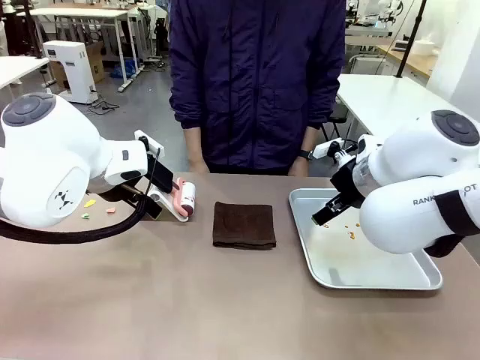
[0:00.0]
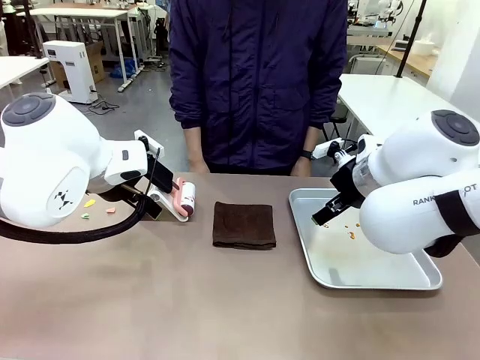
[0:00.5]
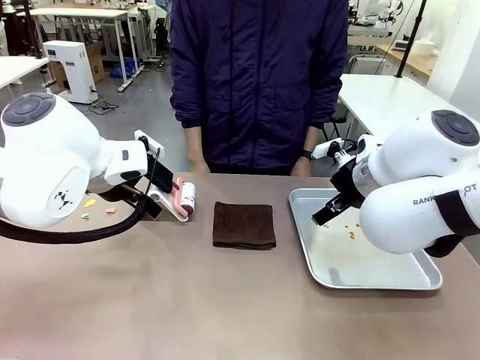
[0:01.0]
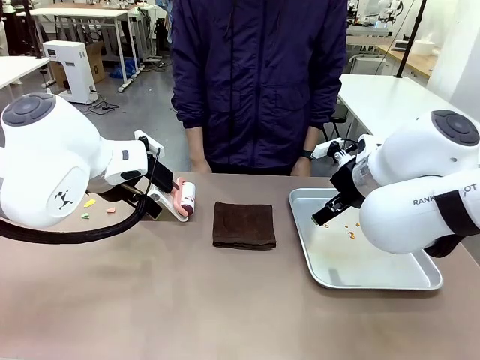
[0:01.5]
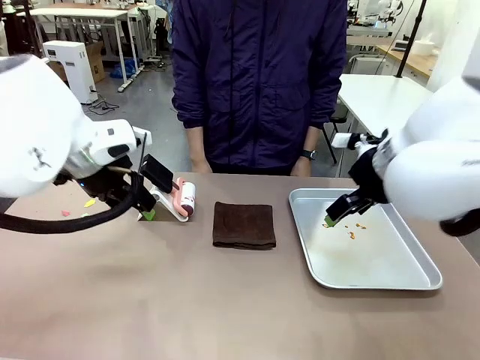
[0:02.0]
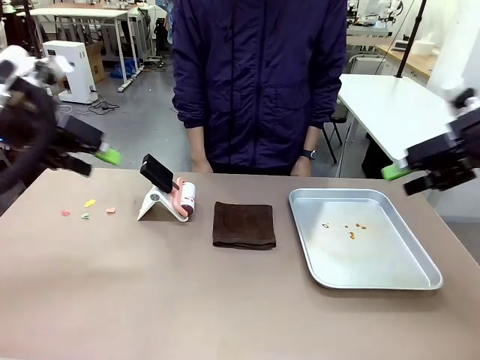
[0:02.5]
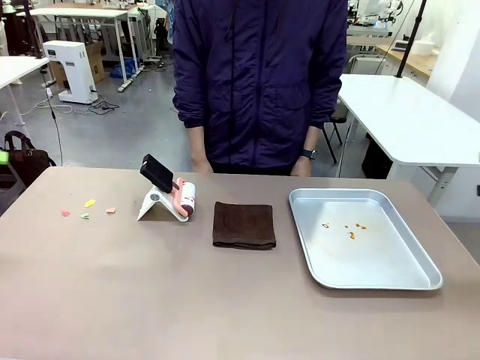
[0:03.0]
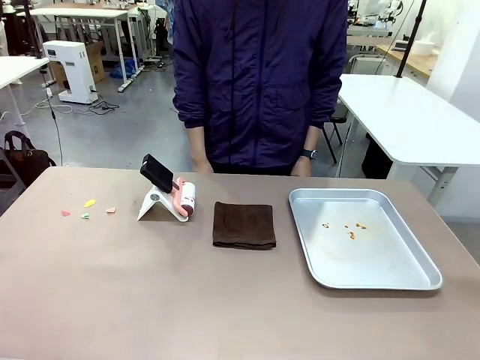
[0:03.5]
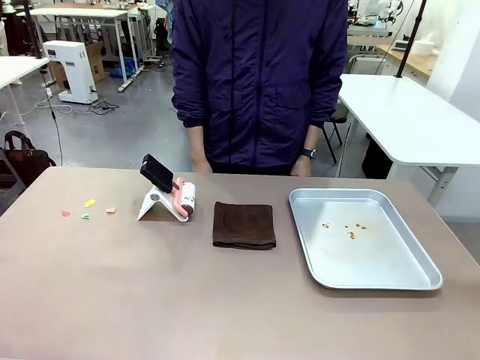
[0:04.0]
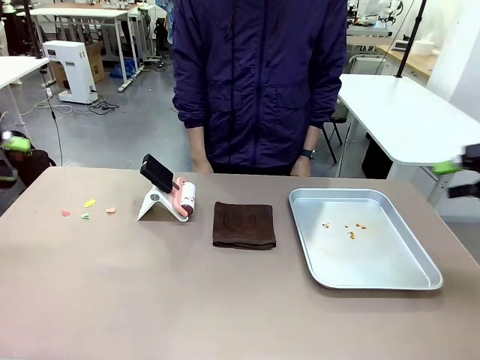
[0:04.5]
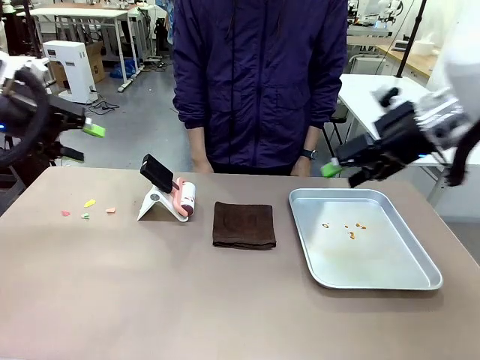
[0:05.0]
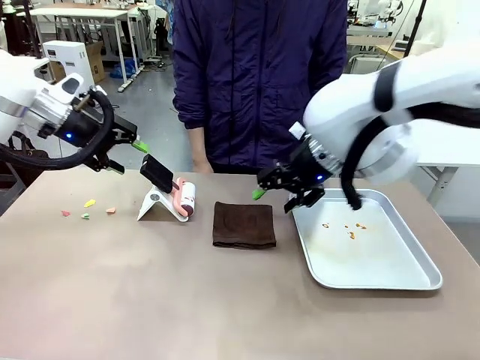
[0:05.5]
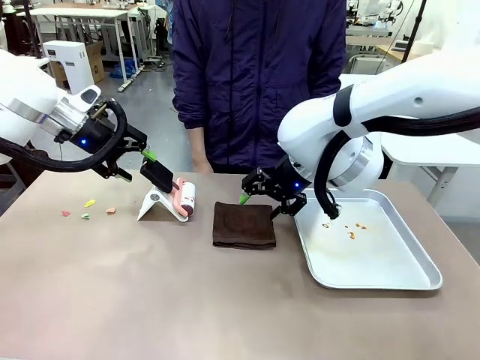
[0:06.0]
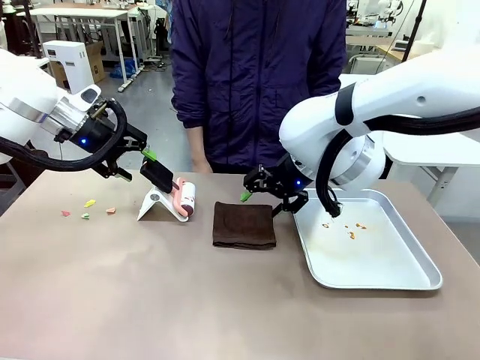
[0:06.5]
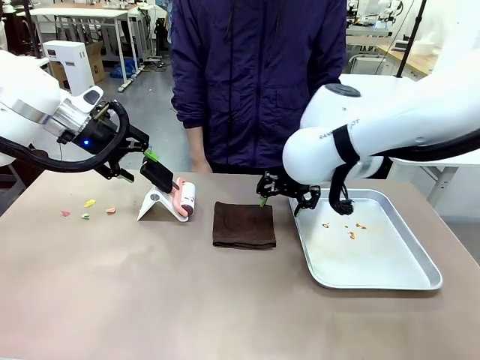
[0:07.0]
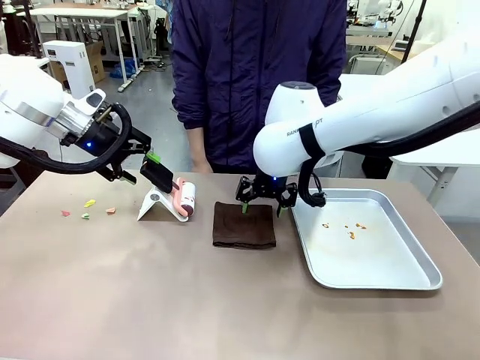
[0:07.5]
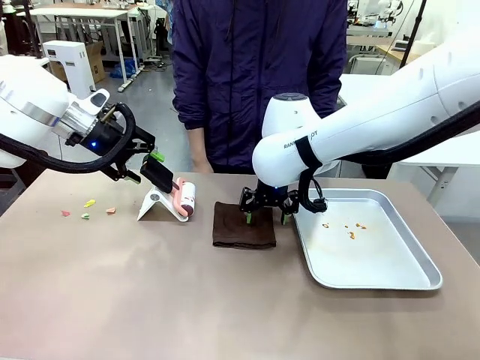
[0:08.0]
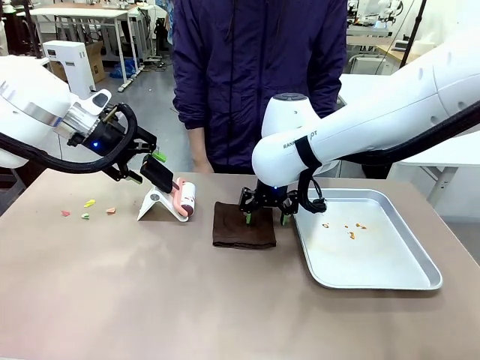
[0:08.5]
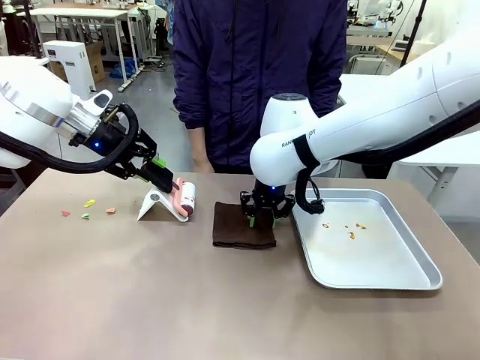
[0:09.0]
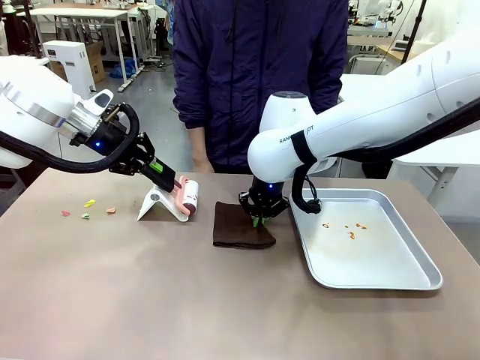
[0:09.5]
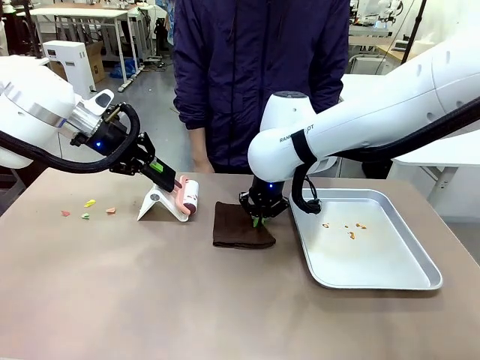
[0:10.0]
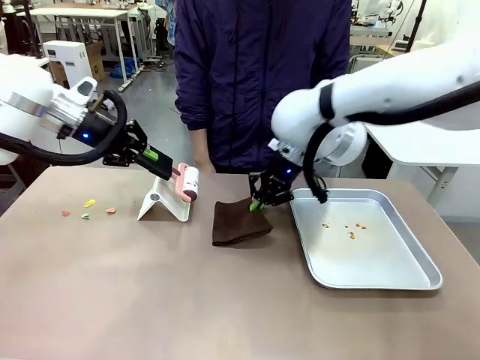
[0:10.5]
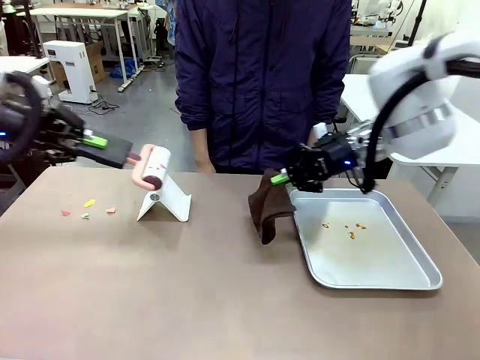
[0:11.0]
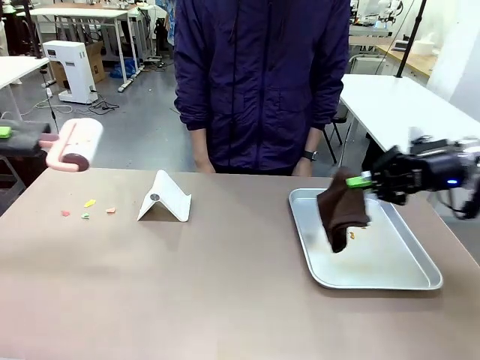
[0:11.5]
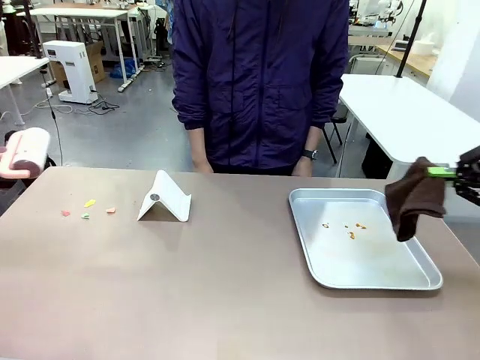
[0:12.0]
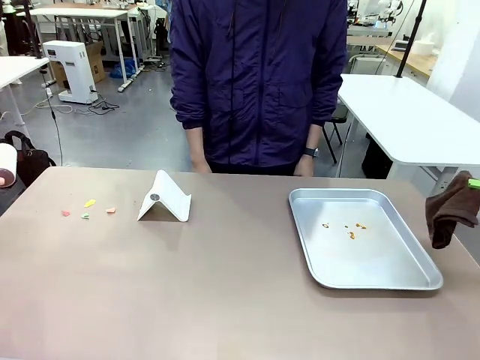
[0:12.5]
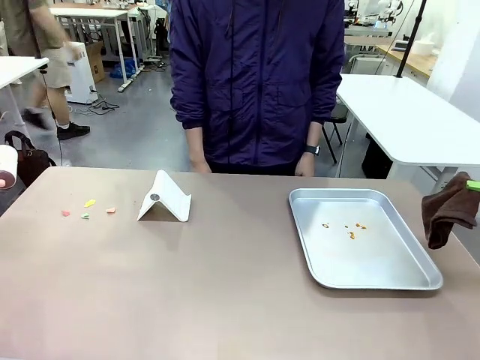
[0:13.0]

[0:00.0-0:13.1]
Task: Clean the surface of the table.
Robot: Hold the Lint Roller with your left hand and the towel with your right hand.

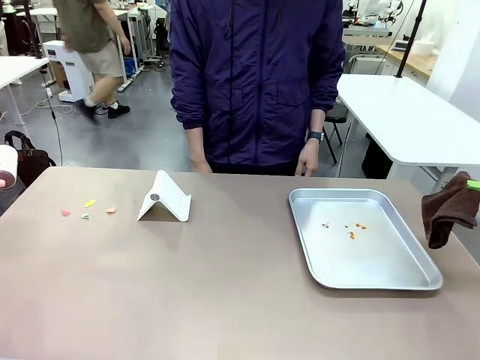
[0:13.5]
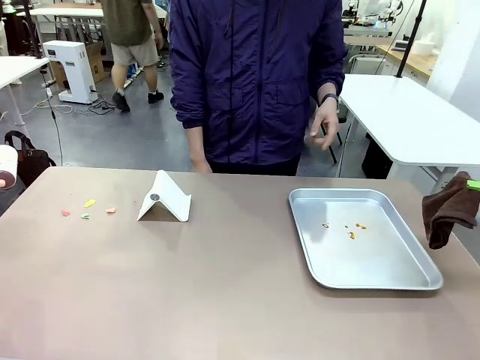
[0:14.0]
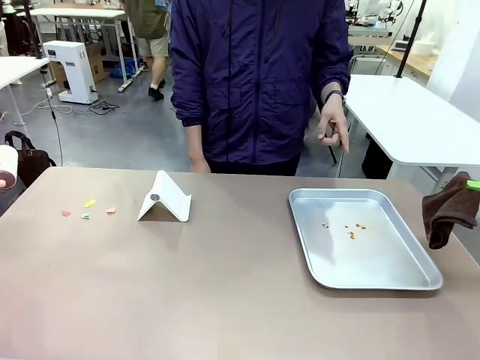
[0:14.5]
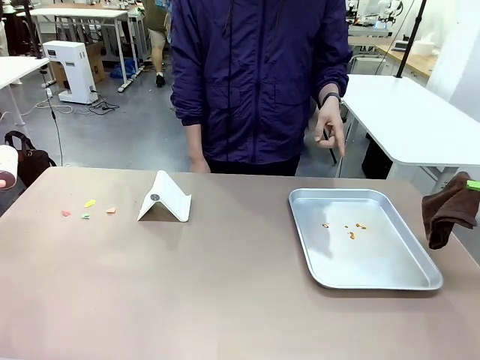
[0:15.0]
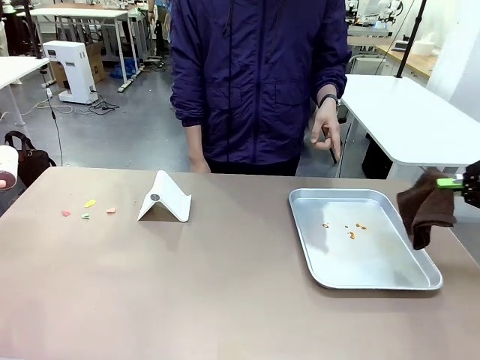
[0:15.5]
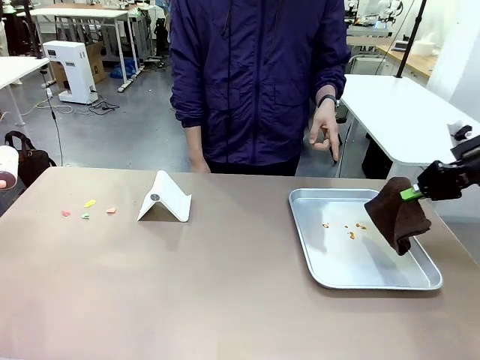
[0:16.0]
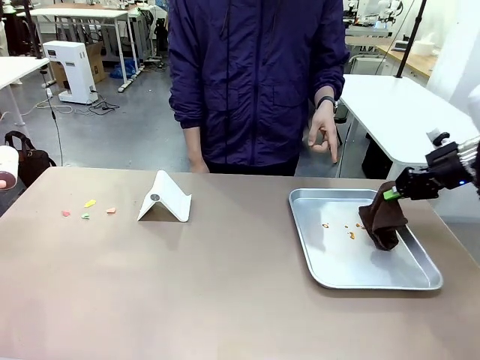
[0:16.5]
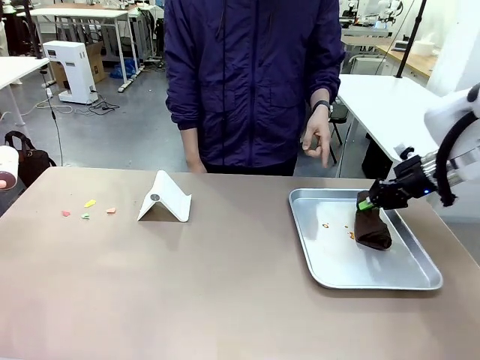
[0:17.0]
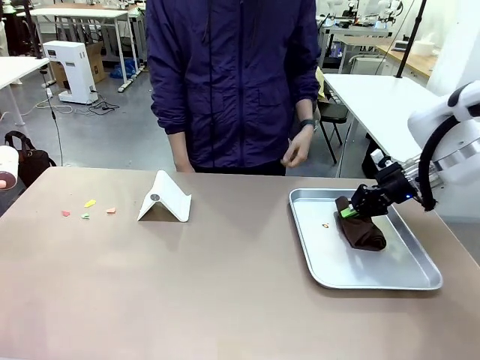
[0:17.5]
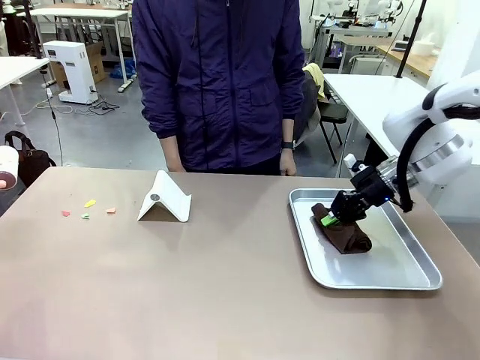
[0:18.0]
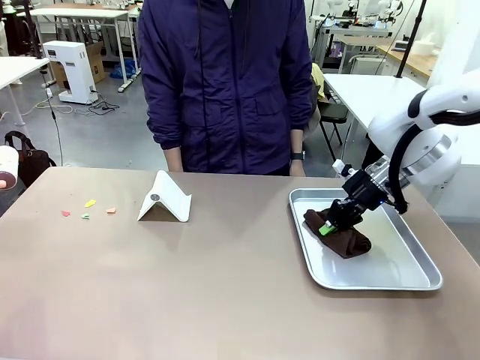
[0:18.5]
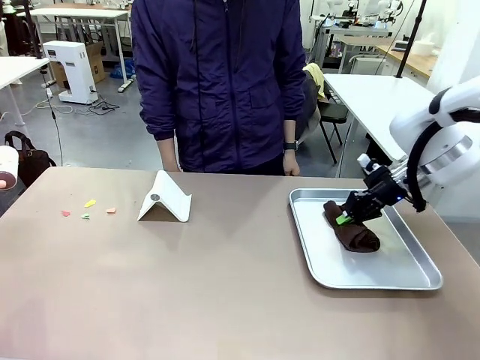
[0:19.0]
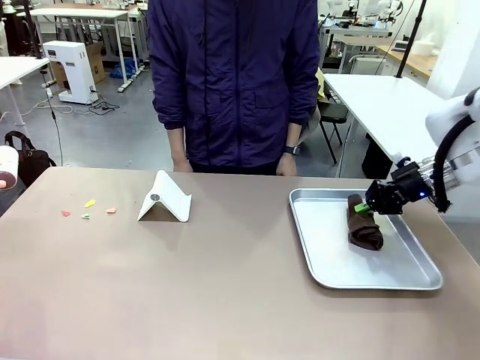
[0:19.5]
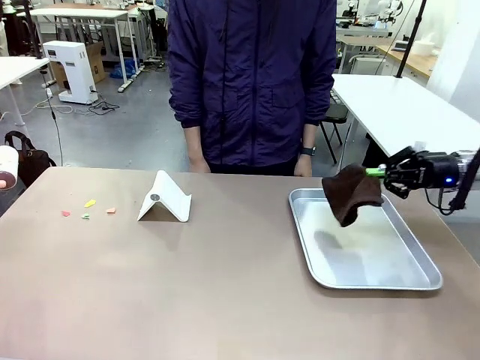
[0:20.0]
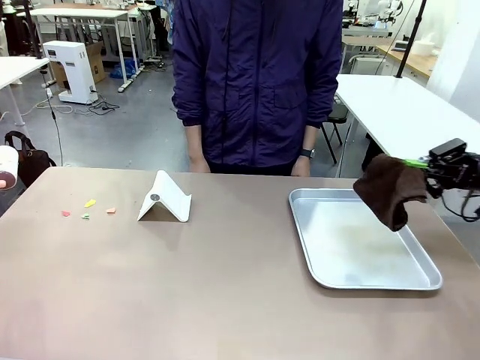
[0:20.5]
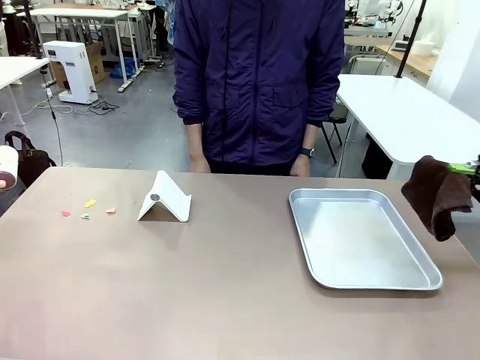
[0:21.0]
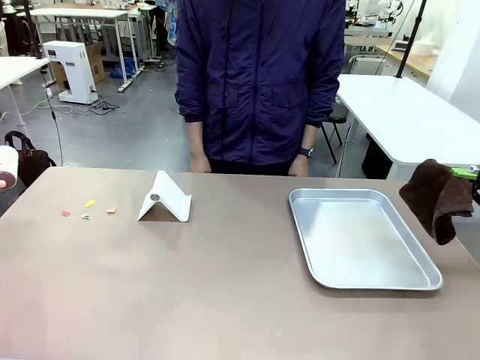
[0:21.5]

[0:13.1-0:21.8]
Robot: If a person points to the right, clean the right side of the table with your right hand, and if they point to the left, clean the left side with your left hand.

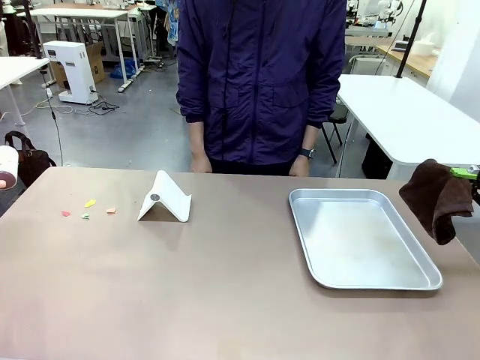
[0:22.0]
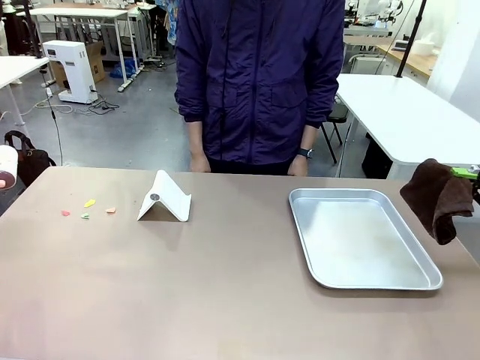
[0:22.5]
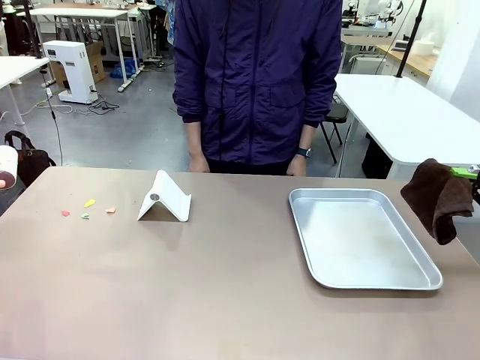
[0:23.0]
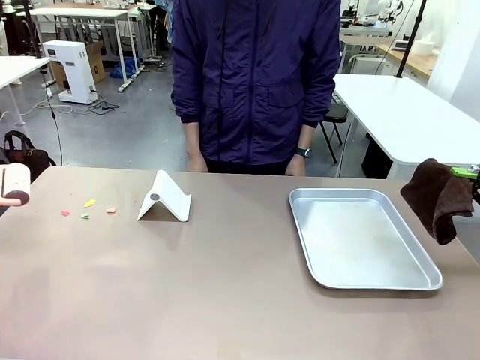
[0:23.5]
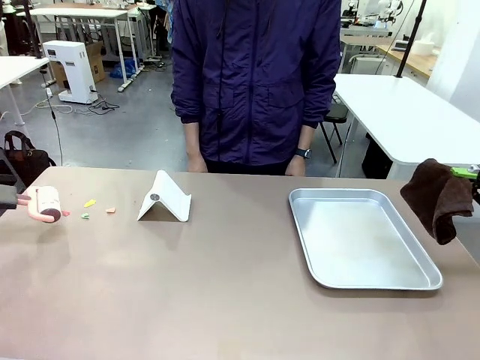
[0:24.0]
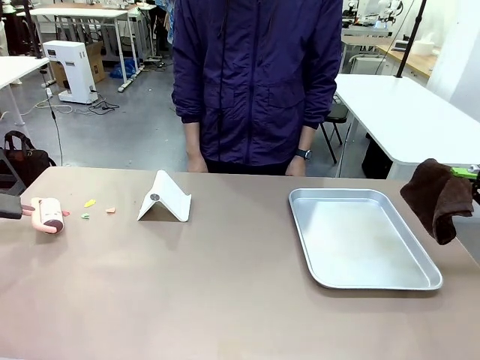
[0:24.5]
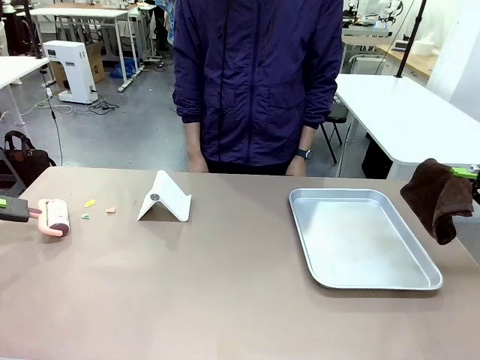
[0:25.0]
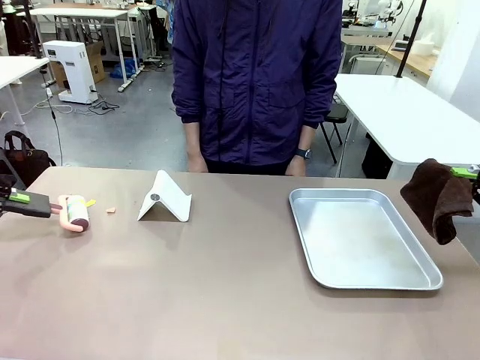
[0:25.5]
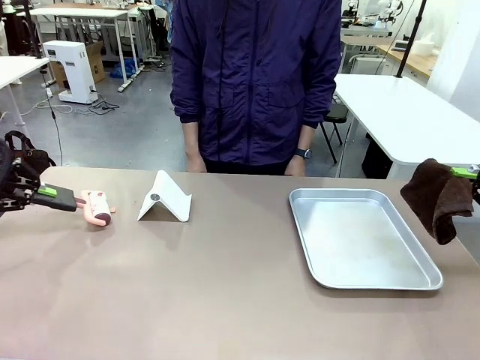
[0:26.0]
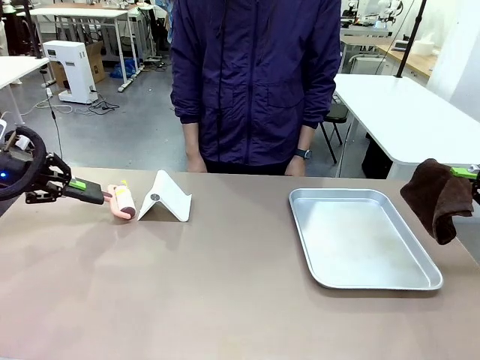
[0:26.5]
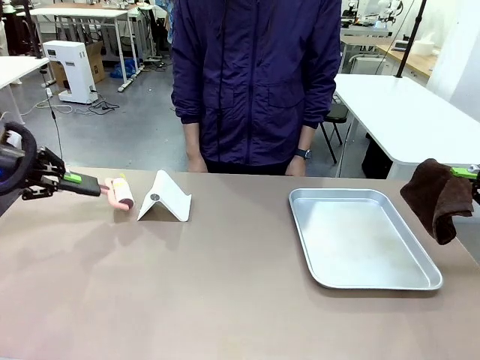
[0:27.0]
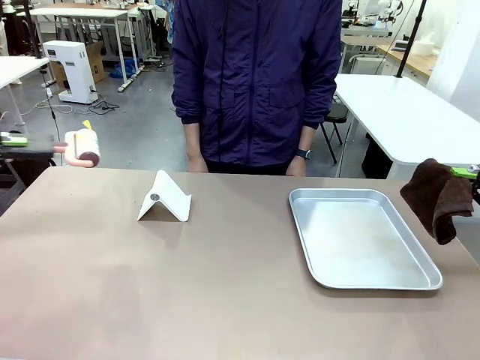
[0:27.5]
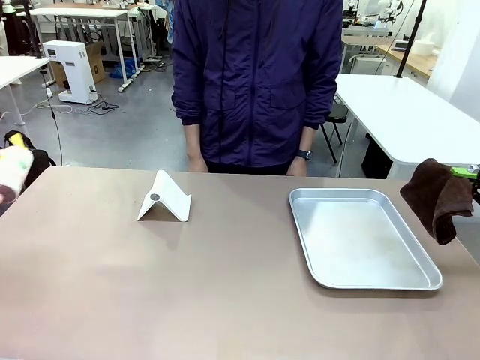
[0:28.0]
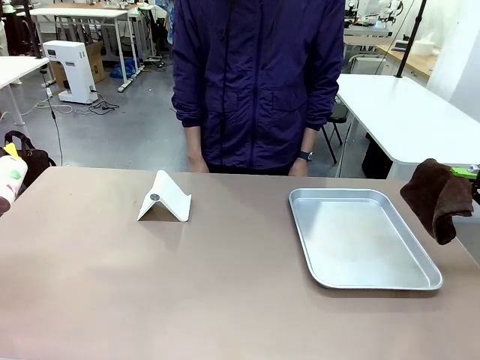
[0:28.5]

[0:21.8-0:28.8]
Robot: Clean the area not pointed to by the person.
